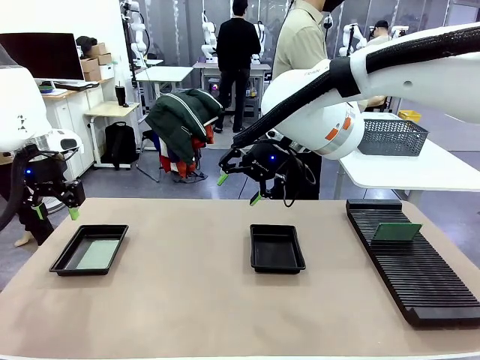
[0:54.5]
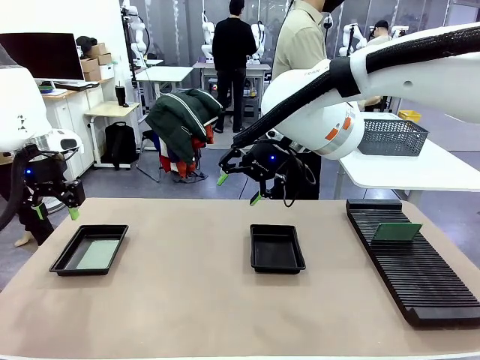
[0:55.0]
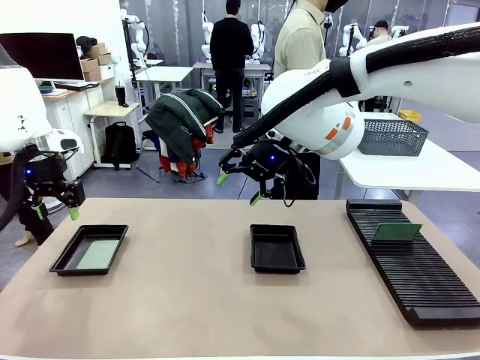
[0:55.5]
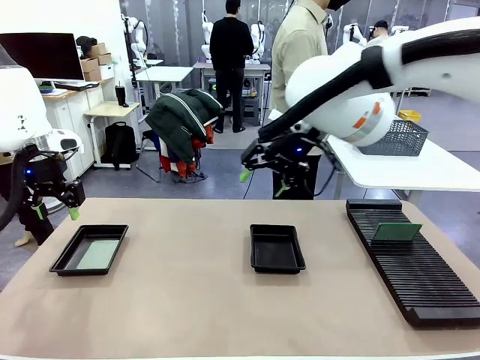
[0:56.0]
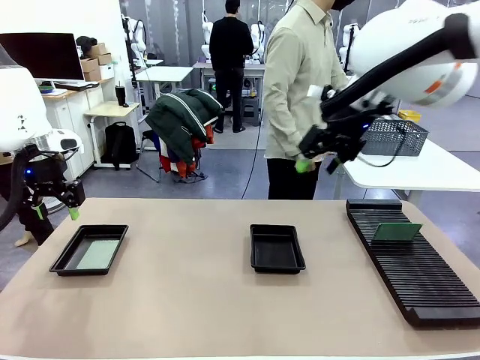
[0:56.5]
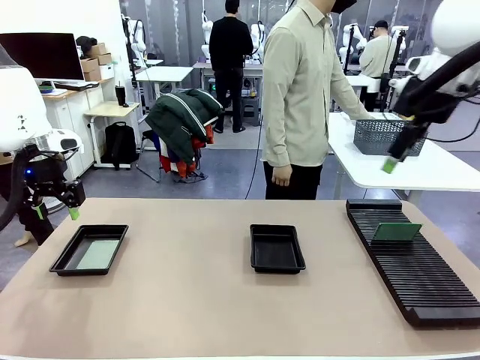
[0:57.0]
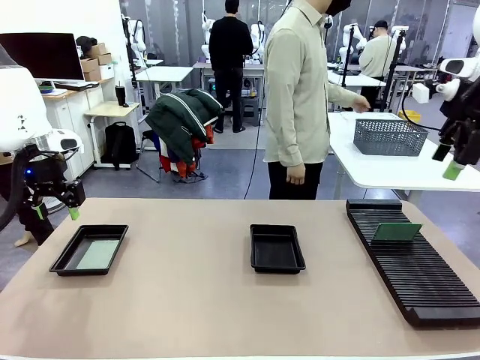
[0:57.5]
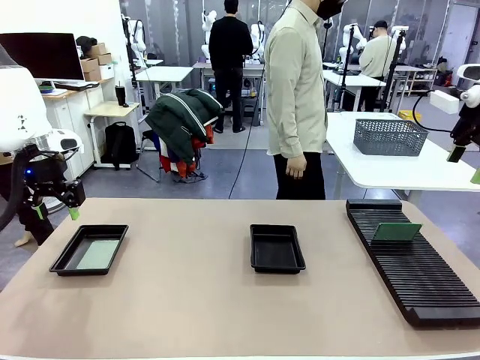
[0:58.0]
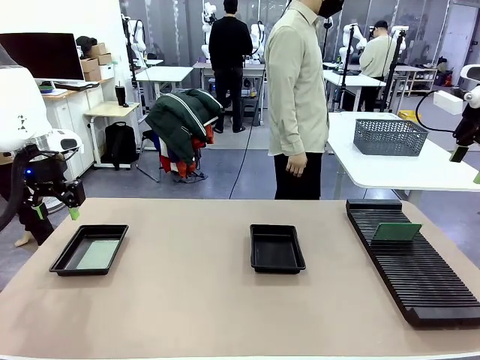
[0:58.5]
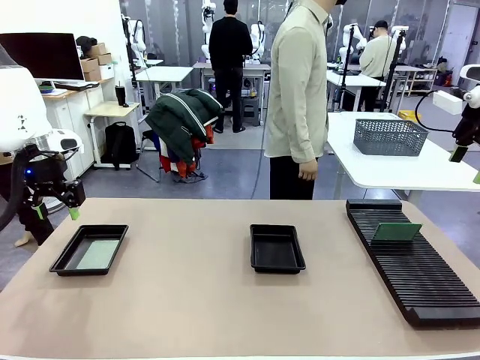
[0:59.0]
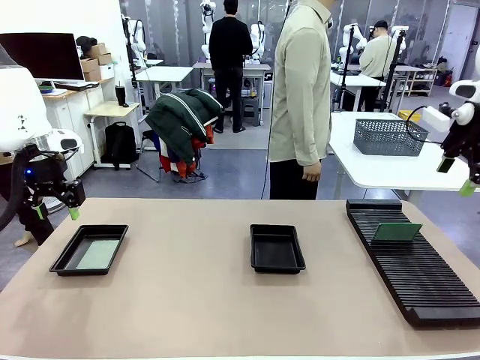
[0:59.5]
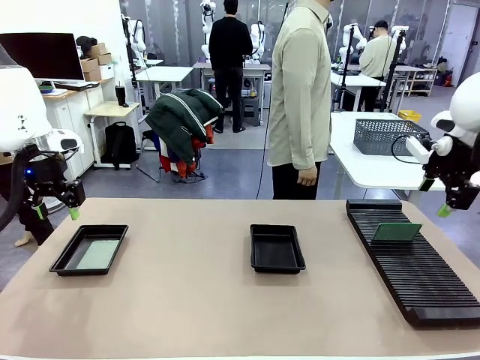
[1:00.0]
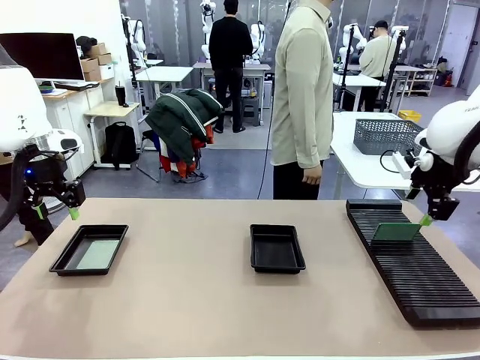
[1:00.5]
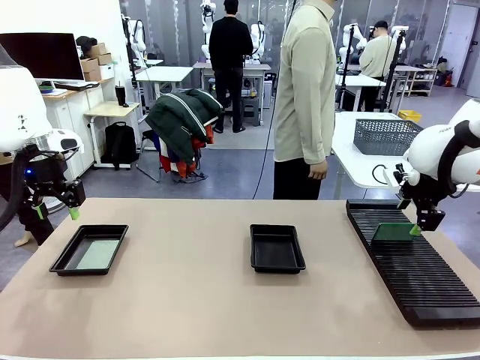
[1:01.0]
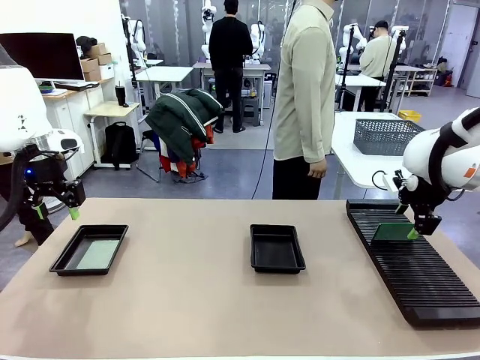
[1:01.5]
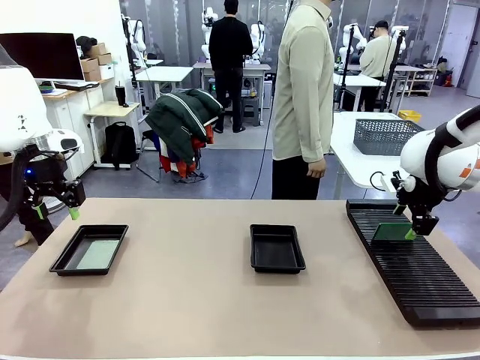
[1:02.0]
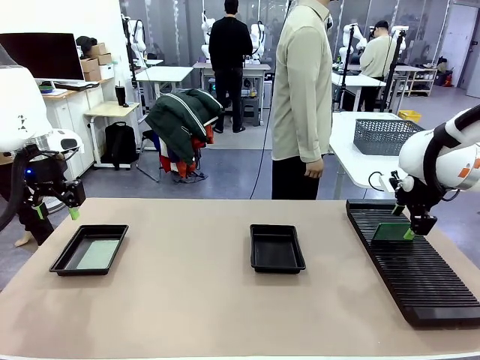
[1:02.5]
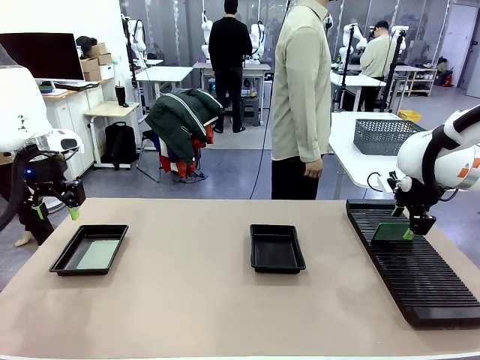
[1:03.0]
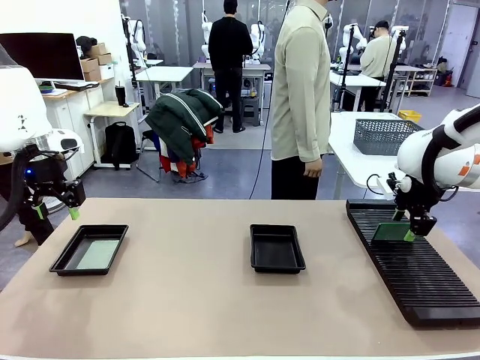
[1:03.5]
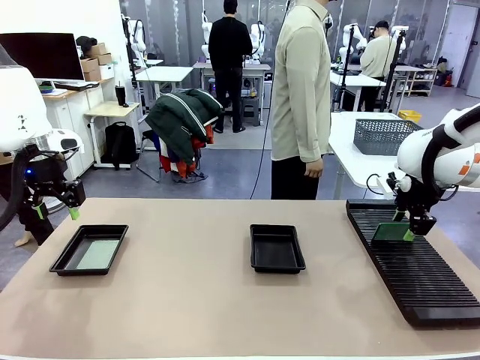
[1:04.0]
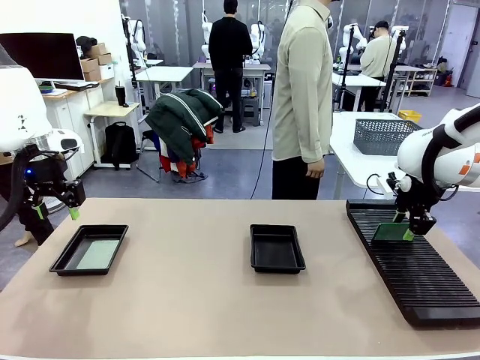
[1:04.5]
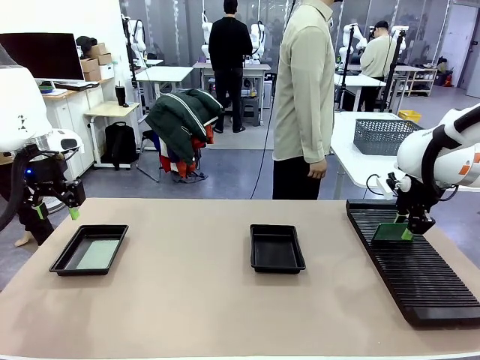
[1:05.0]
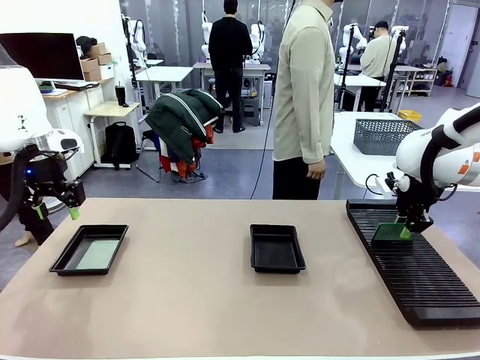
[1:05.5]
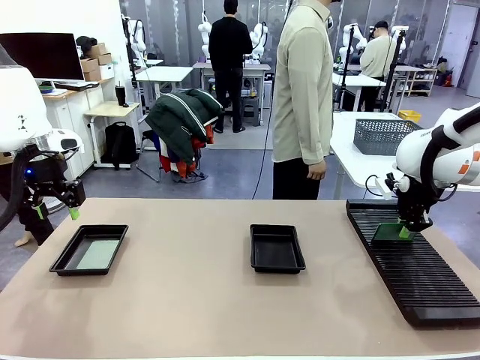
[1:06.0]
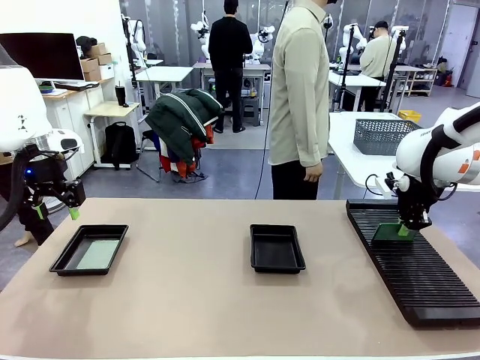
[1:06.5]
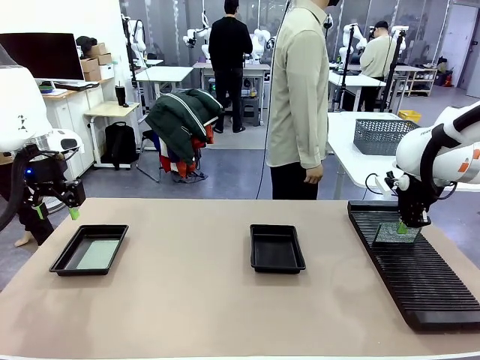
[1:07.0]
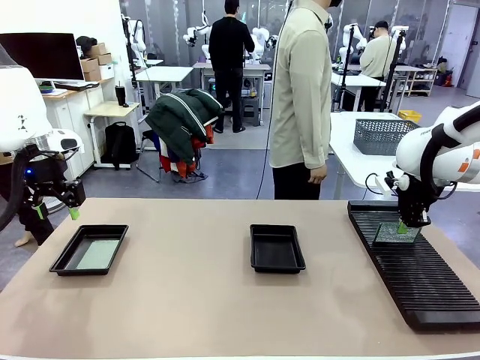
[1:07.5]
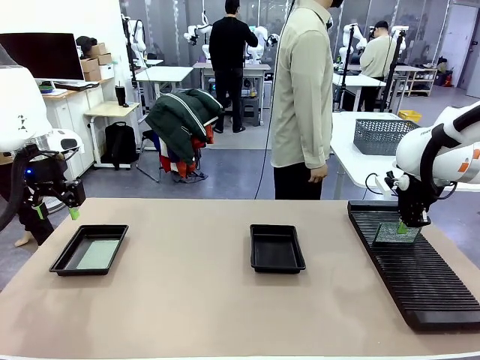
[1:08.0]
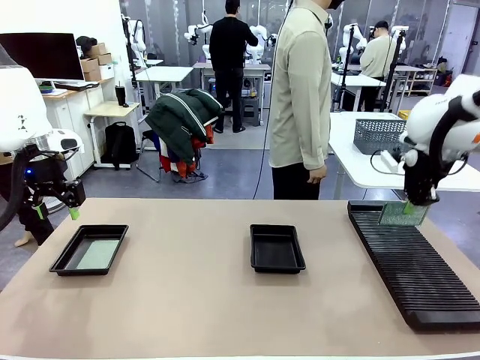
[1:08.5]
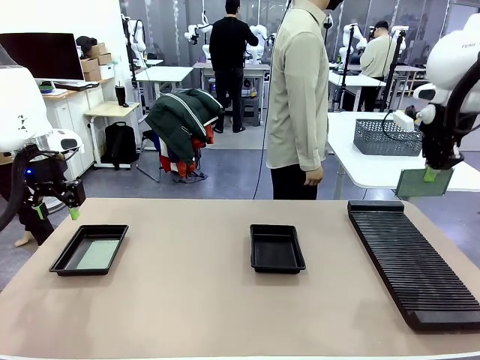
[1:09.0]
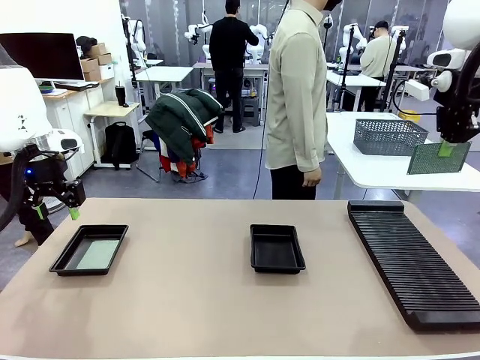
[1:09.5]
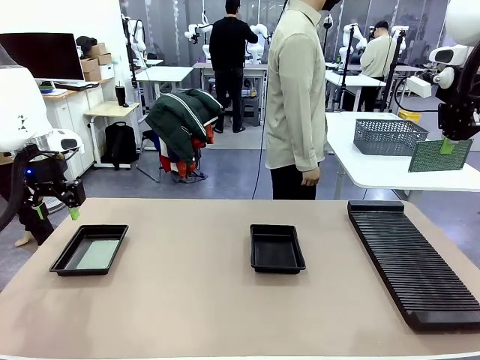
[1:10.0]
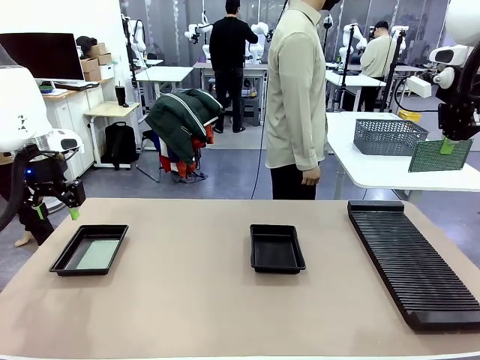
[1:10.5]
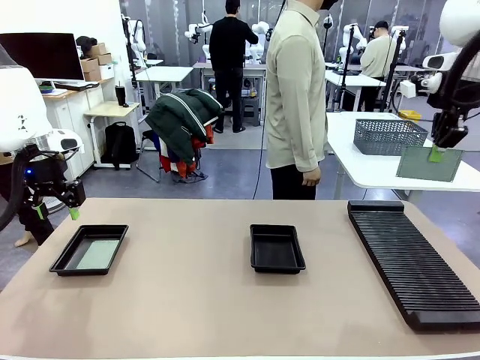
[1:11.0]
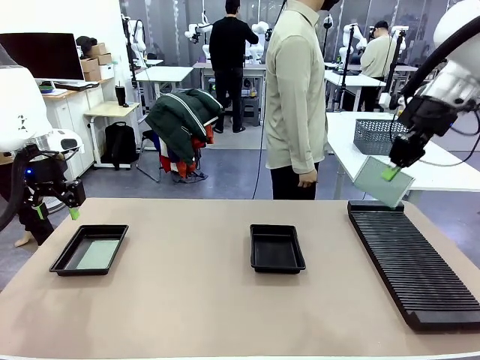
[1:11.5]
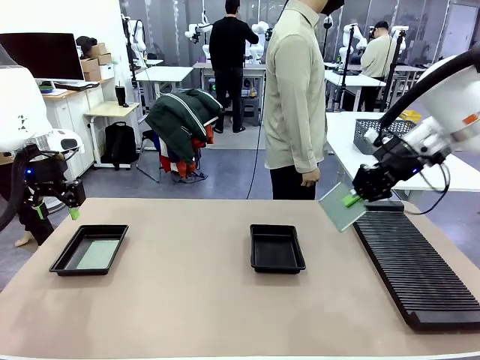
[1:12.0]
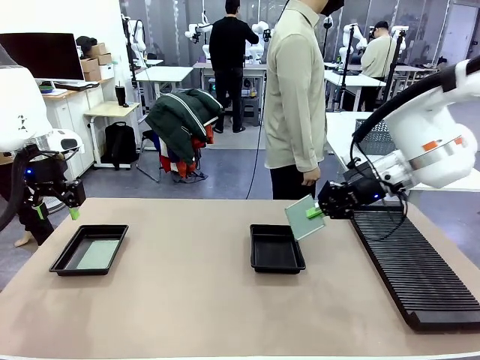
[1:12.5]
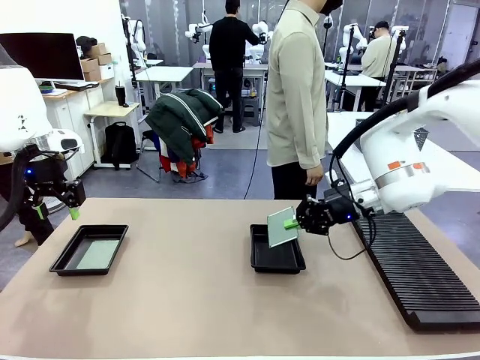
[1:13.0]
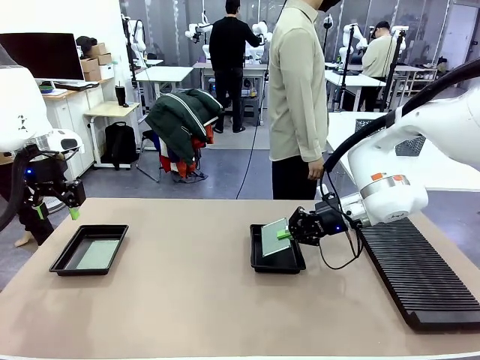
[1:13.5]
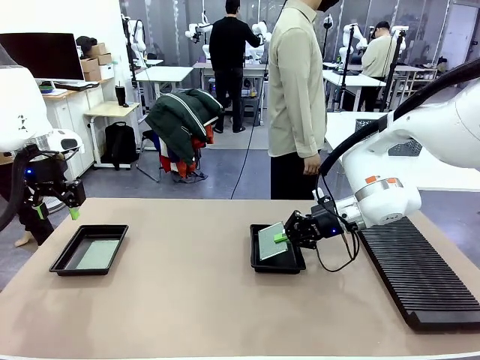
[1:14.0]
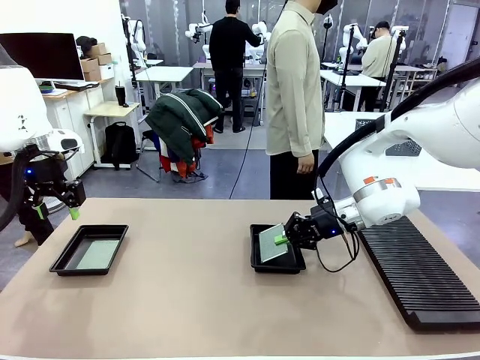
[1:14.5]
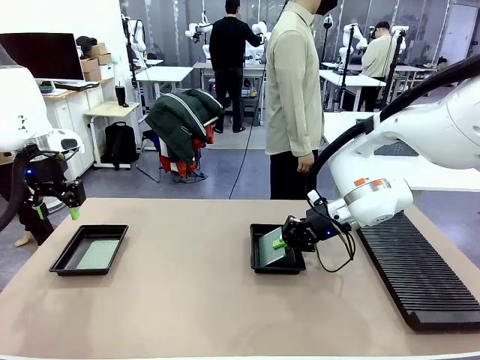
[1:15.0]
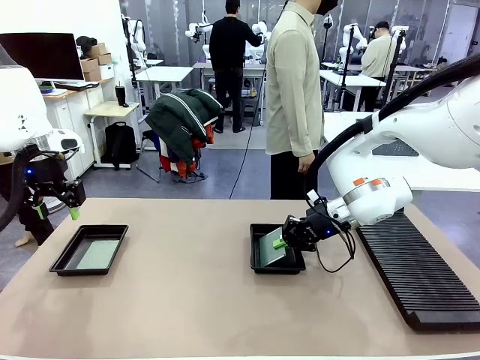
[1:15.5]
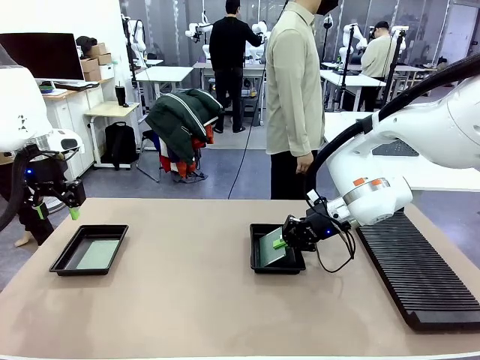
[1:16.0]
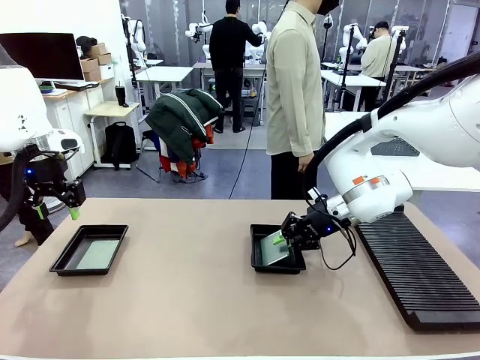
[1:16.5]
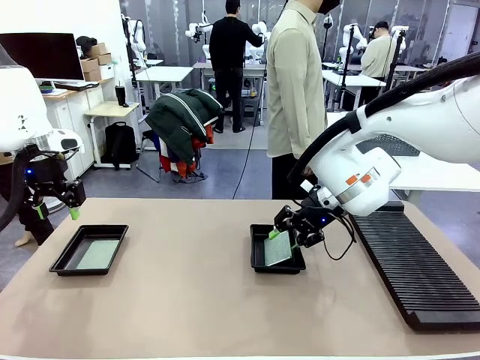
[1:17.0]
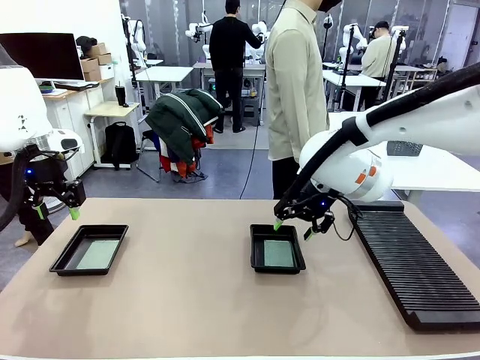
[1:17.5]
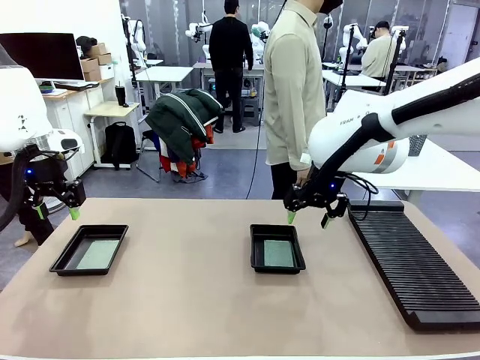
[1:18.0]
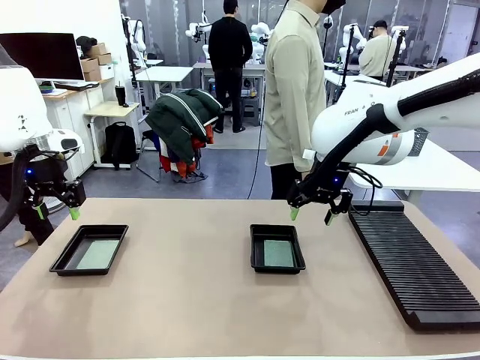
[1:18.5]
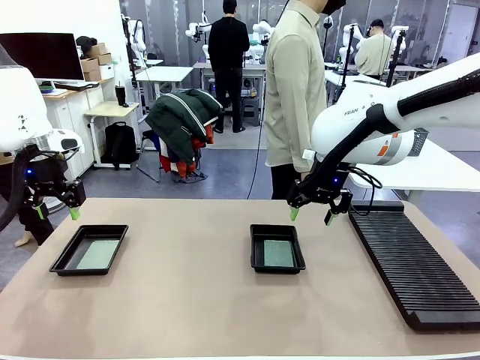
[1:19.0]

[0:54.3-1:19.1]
Task: Inspect and transfer BCBs to ESD trays.
Robot: Pick up the Blank PCB from the PCB Rack and place it in the right ESD tray.
